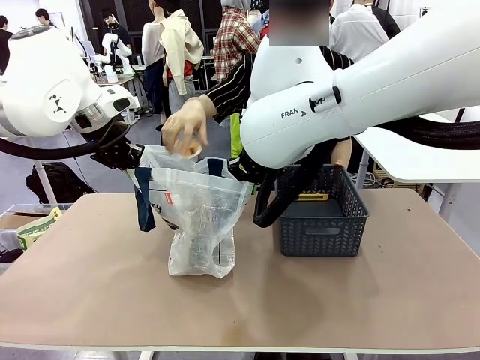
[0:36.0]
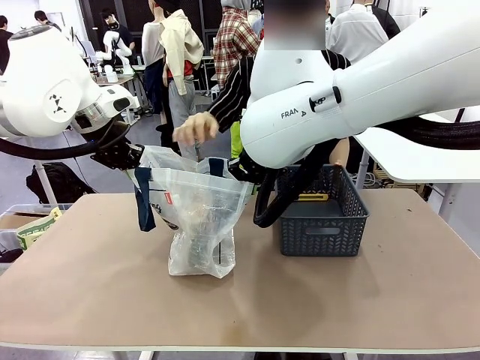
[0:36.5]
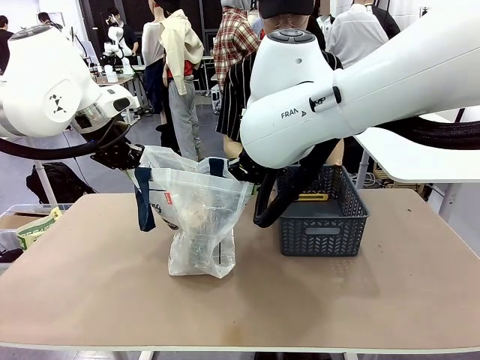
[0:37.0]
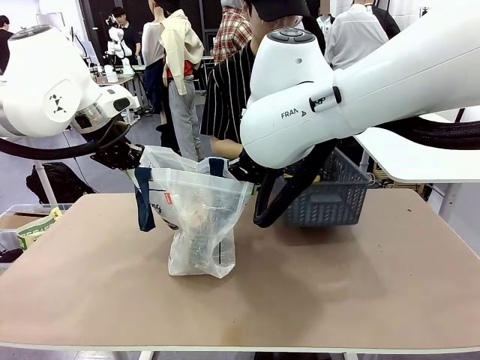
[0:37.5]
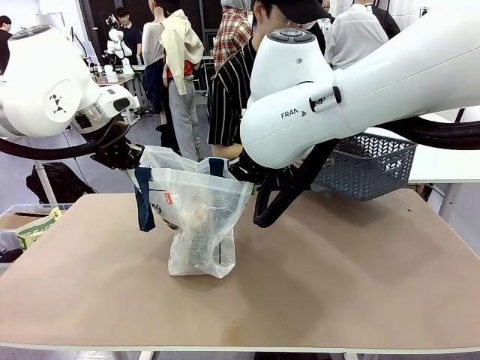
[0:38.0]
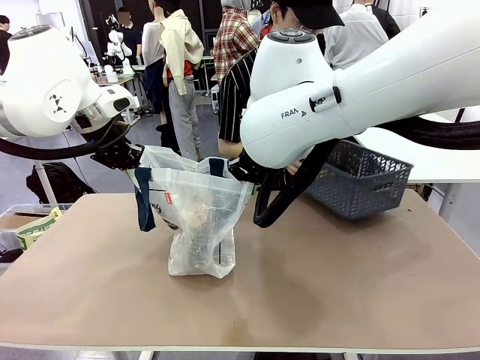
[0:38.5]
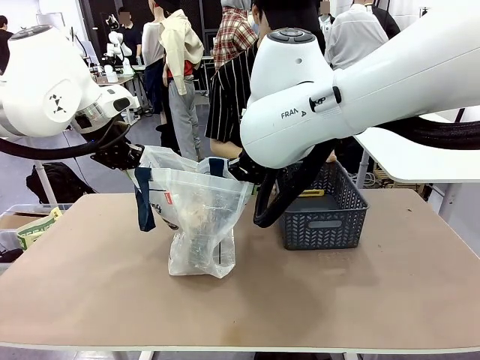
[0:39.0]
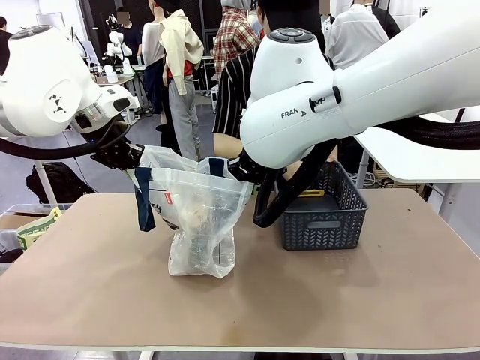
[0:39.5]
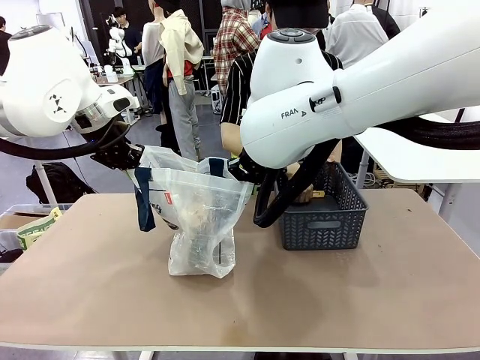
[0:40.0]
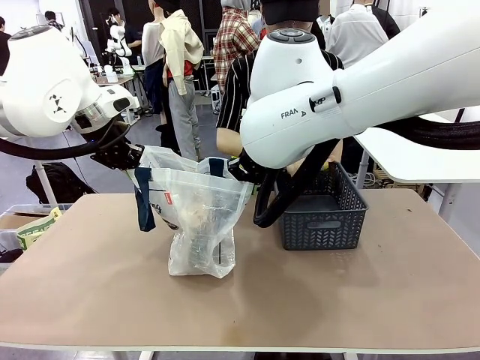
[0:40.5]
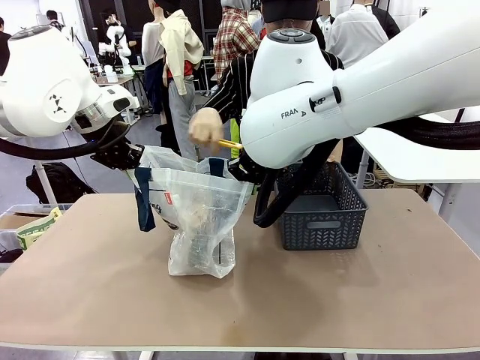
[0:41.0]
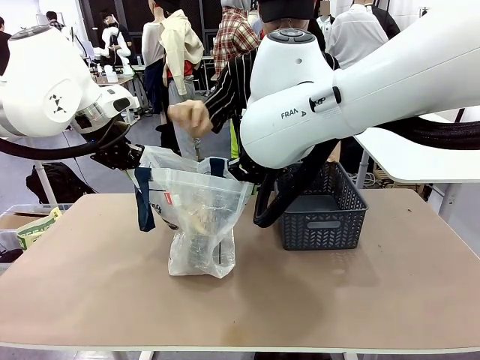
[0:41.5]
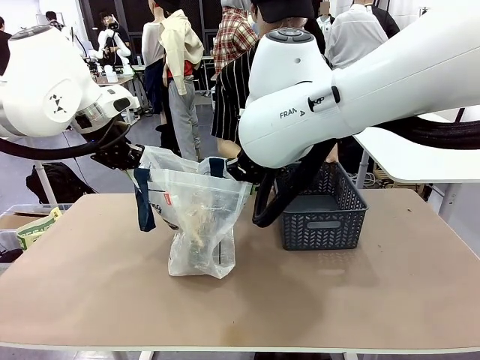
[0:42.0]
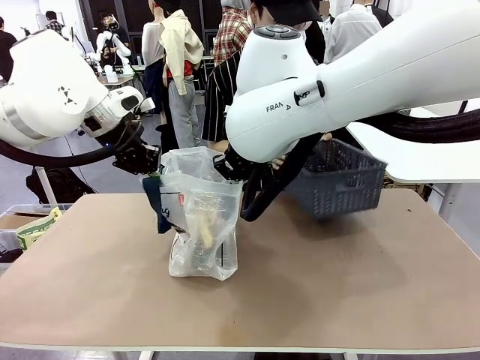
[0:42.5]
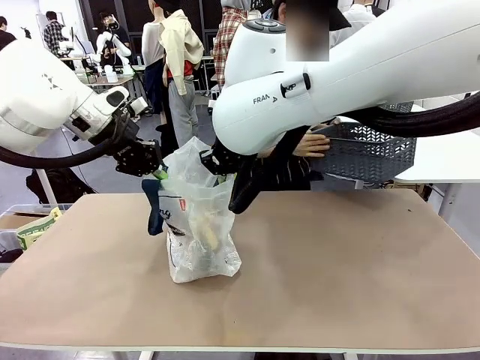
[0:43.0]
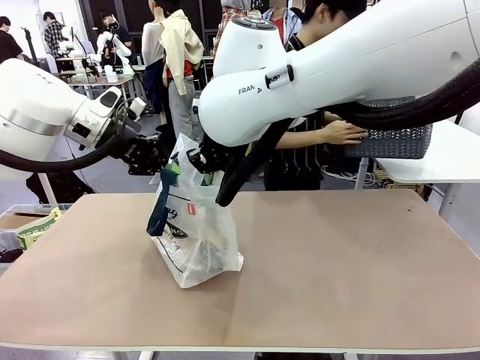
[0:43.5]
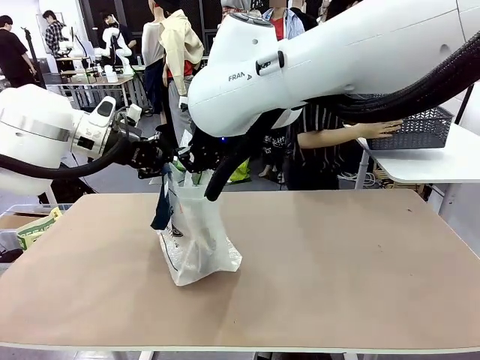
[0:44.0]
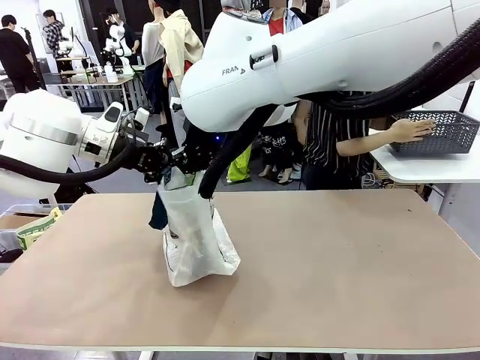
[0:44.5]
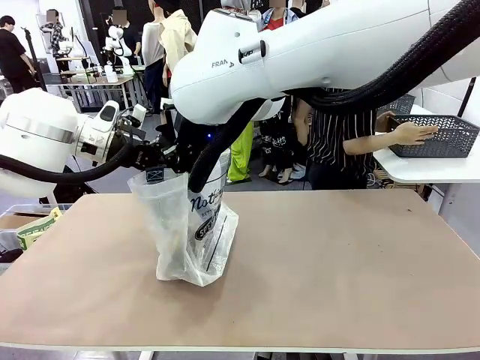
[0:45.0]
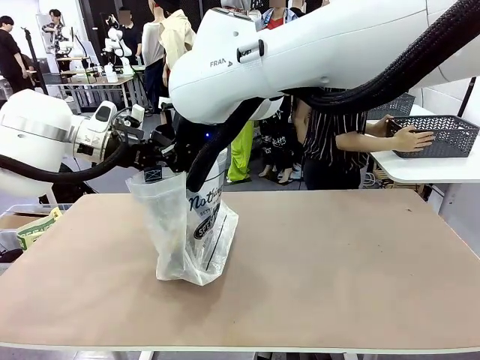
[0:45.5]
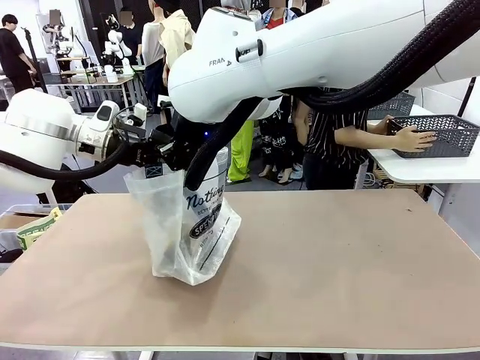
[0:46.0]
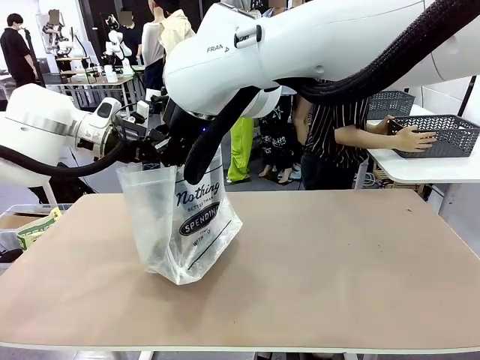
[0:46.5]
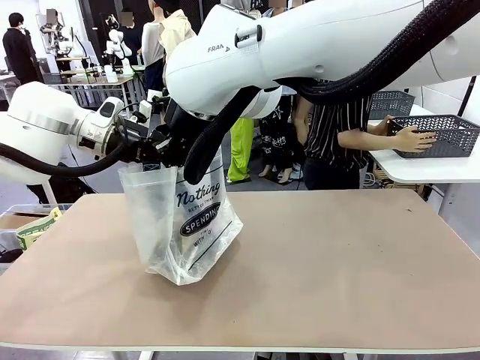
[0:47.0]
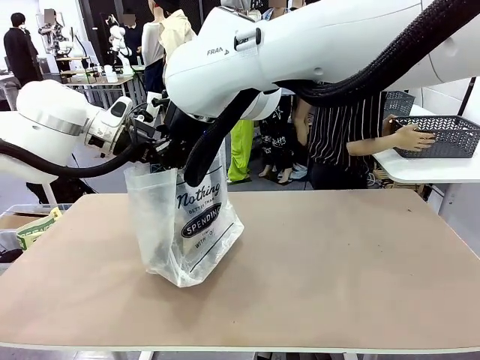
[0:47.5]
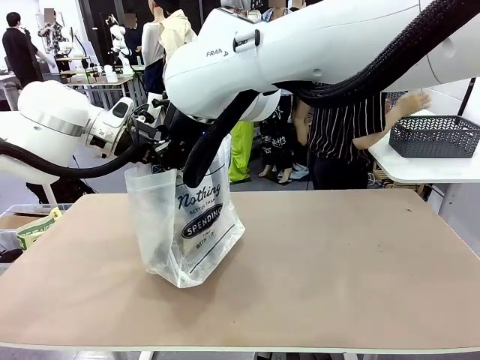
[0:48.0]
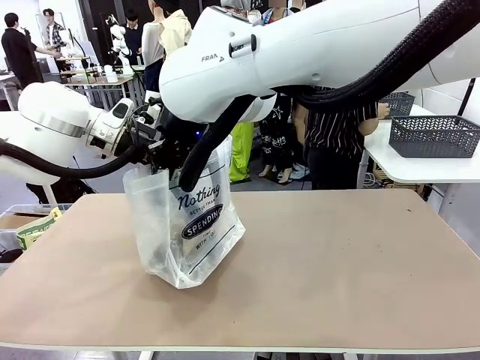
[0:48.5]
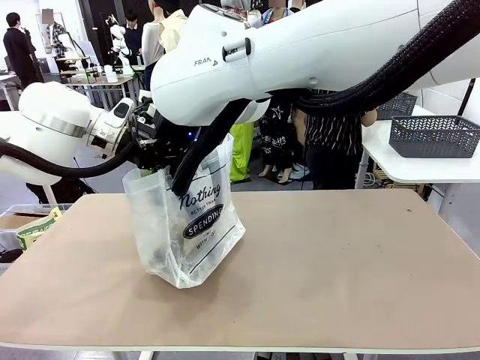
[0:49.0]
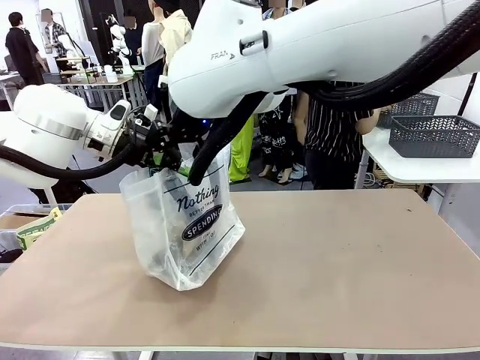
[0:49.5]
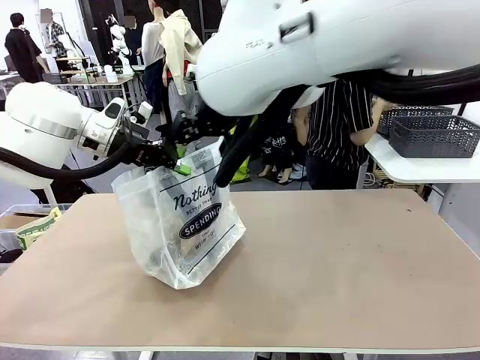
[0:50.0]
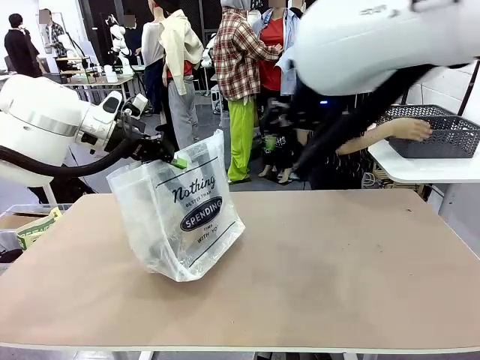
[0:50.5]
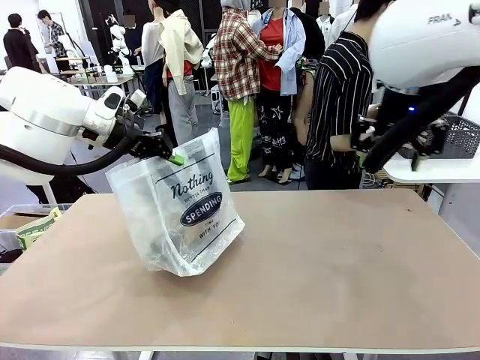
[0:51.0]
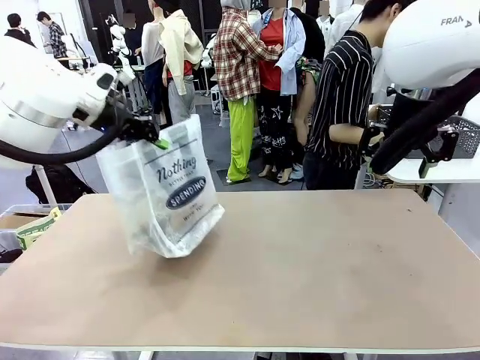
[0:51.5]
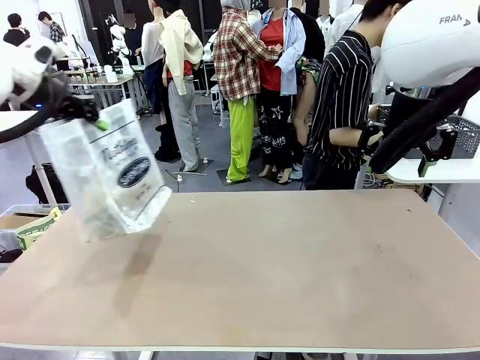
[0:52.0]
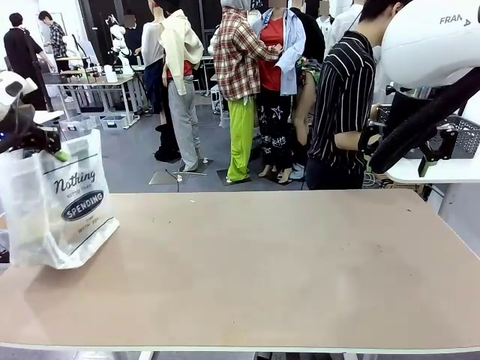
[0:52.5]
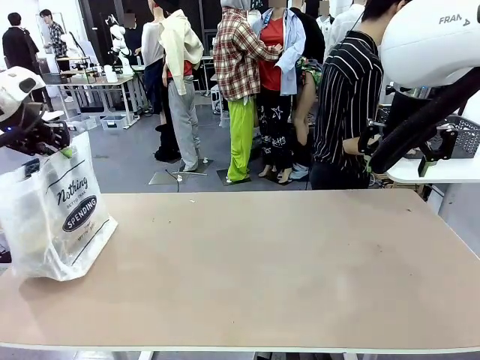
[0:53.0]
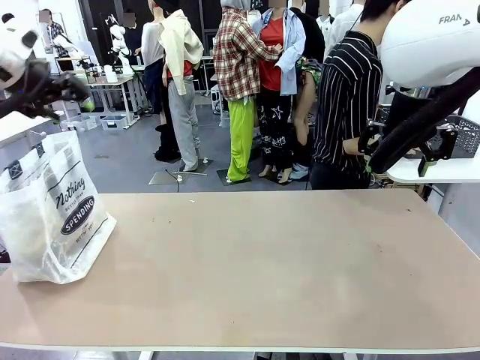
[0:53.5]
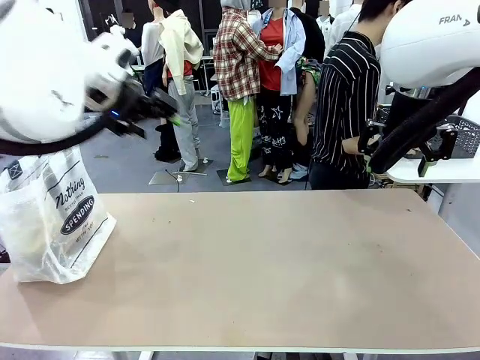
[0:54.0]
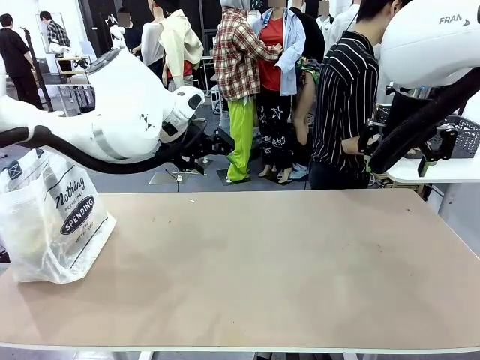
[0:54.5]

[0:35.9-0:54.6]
Task: Transfer purchased items from the store into the shopping bag.
Robot: Move the Reusable shopping bag to the right side of the table.
Person: Move the basket on the left to the middle of the person's table.
